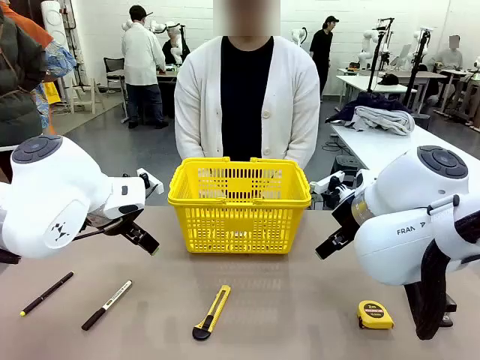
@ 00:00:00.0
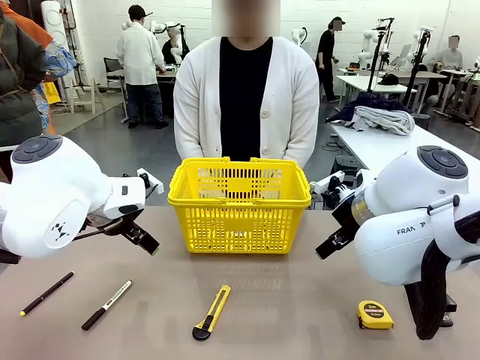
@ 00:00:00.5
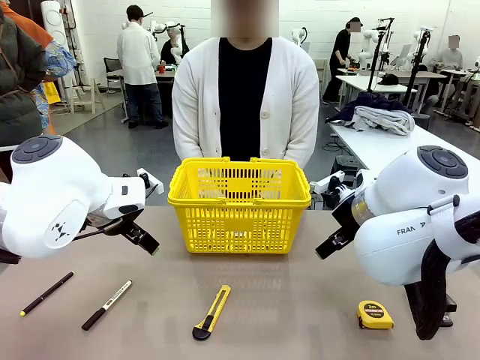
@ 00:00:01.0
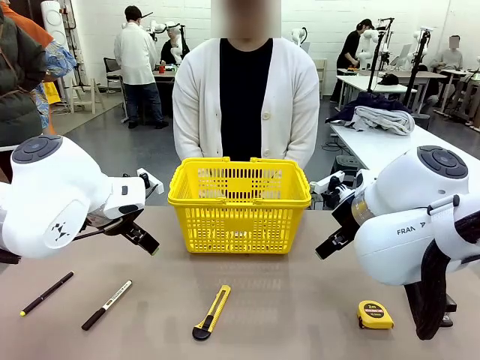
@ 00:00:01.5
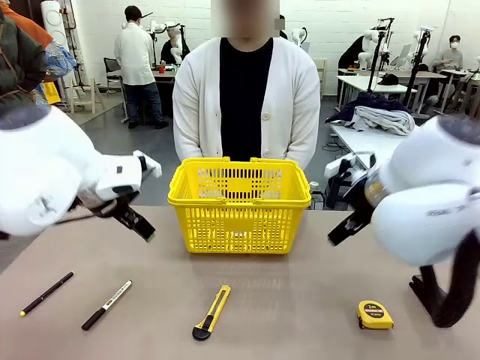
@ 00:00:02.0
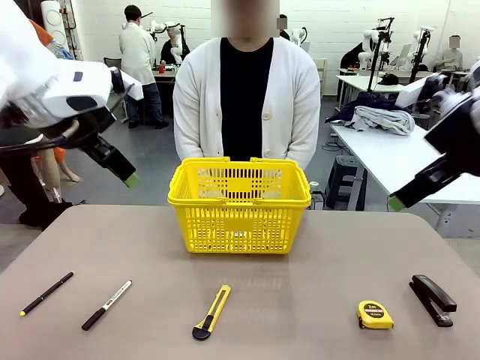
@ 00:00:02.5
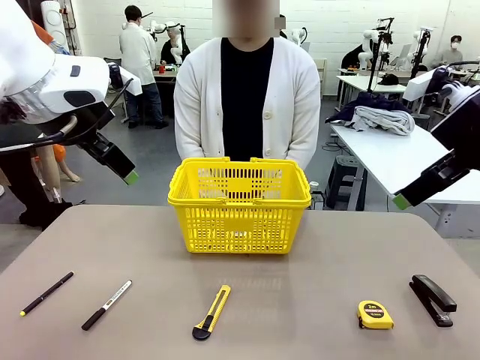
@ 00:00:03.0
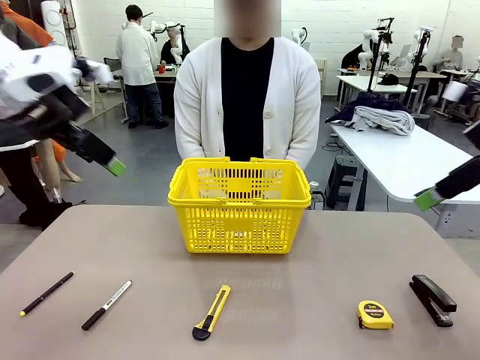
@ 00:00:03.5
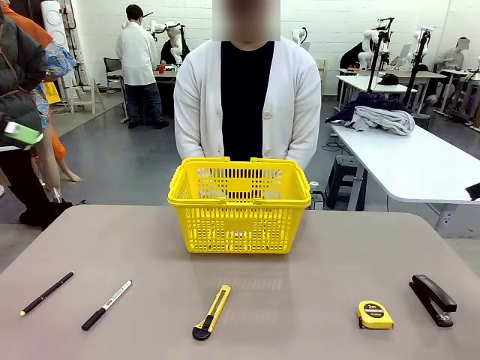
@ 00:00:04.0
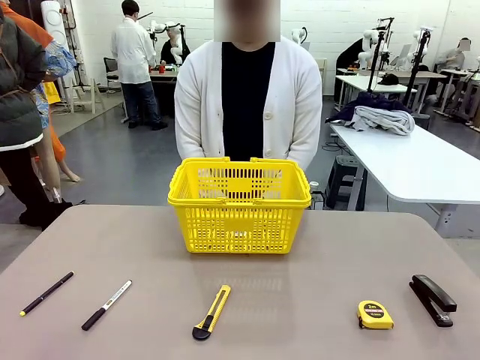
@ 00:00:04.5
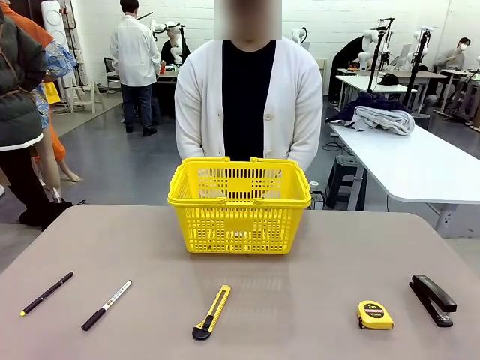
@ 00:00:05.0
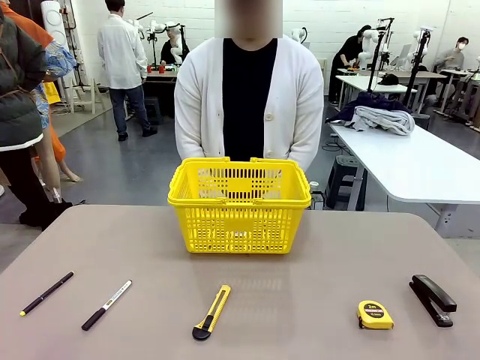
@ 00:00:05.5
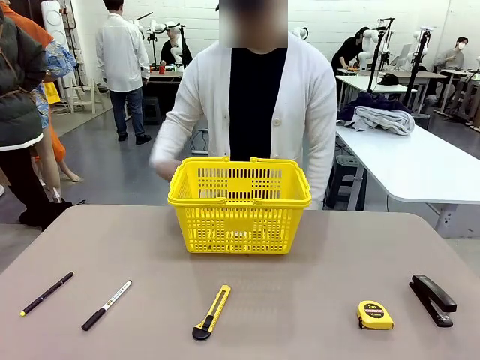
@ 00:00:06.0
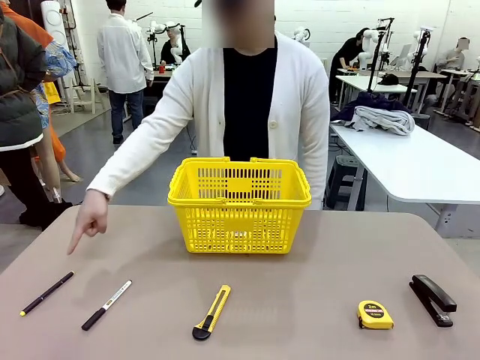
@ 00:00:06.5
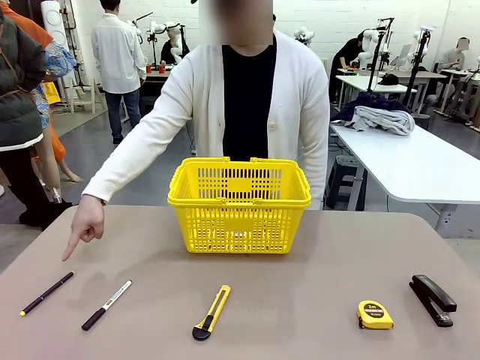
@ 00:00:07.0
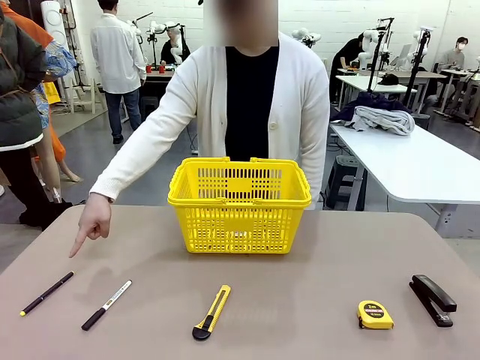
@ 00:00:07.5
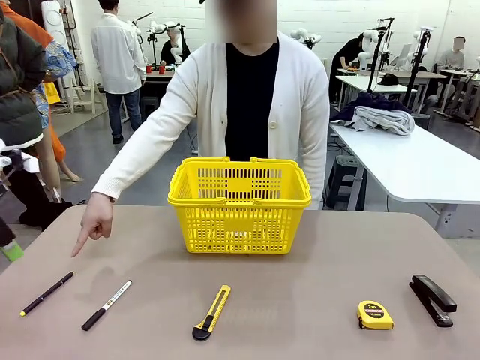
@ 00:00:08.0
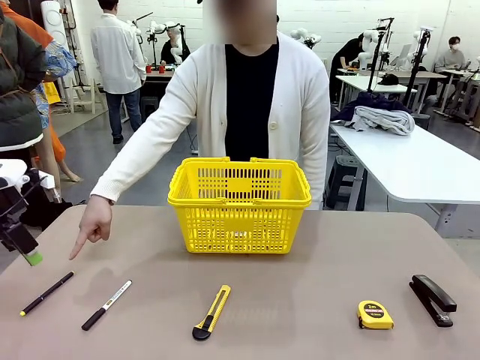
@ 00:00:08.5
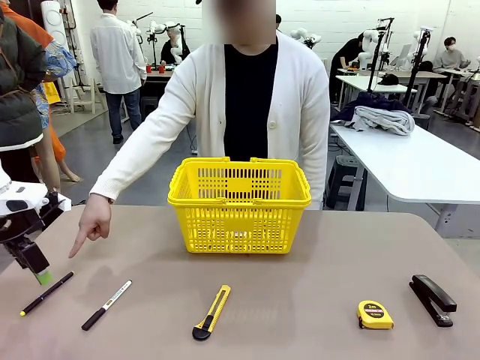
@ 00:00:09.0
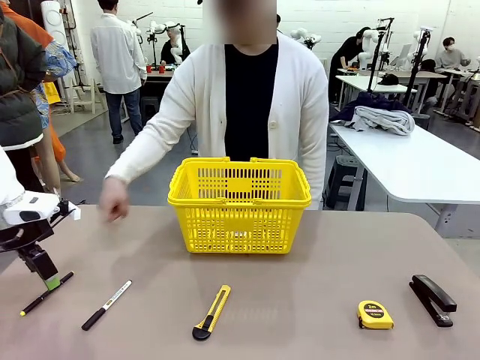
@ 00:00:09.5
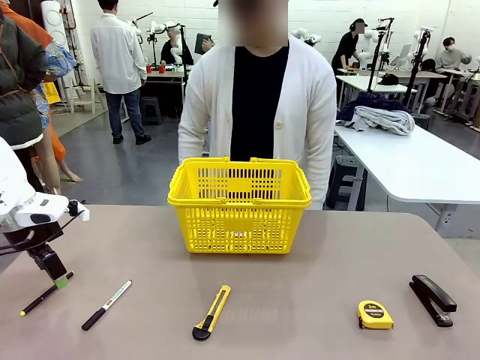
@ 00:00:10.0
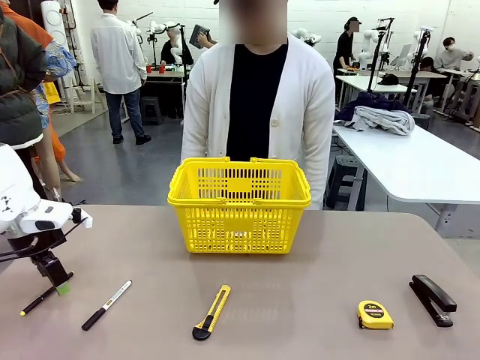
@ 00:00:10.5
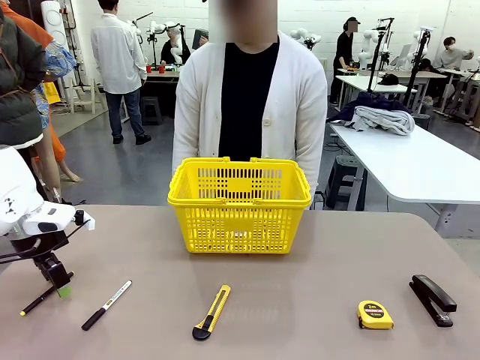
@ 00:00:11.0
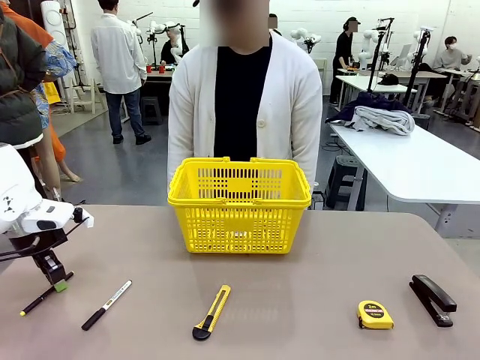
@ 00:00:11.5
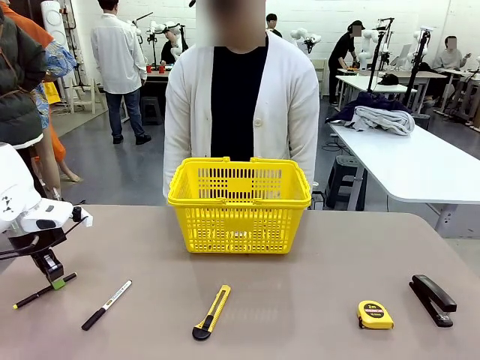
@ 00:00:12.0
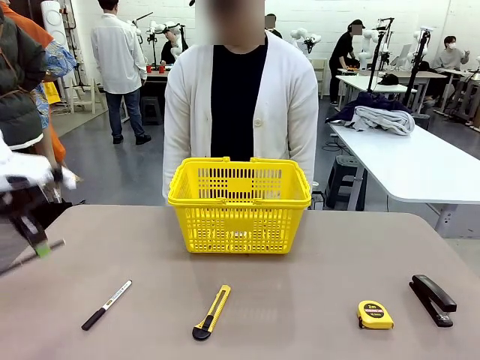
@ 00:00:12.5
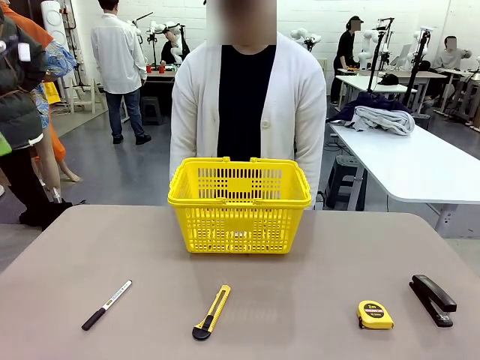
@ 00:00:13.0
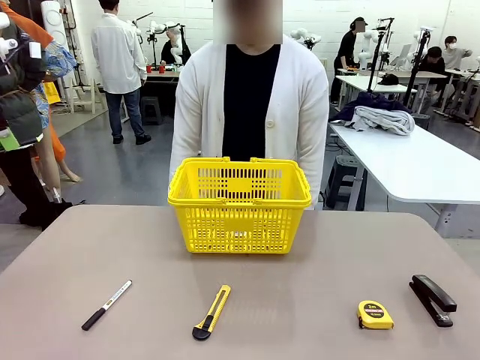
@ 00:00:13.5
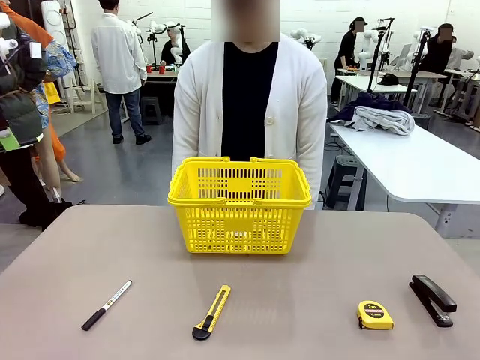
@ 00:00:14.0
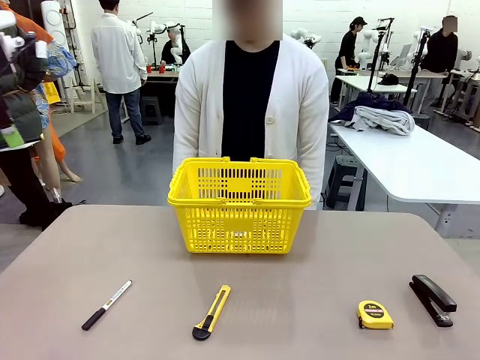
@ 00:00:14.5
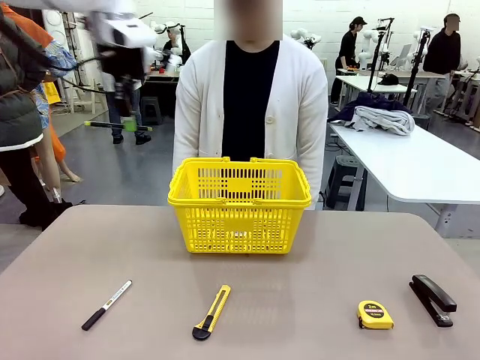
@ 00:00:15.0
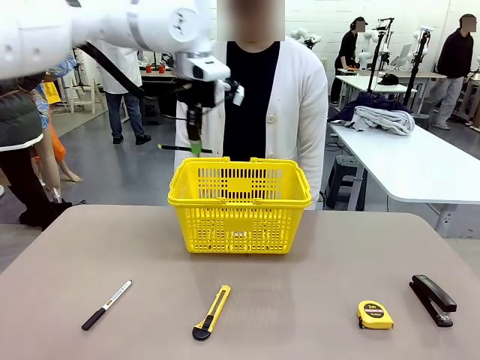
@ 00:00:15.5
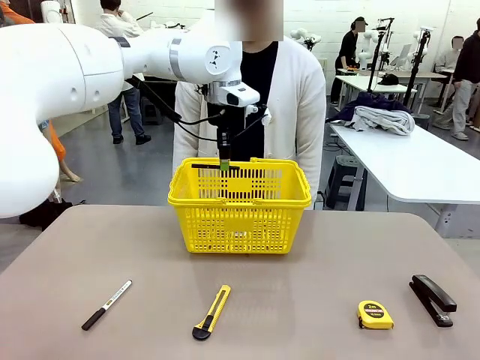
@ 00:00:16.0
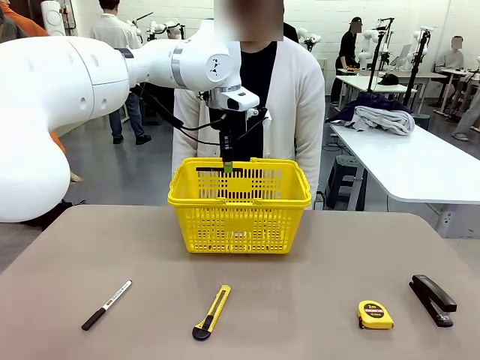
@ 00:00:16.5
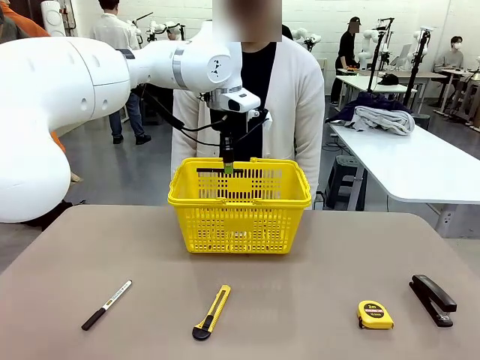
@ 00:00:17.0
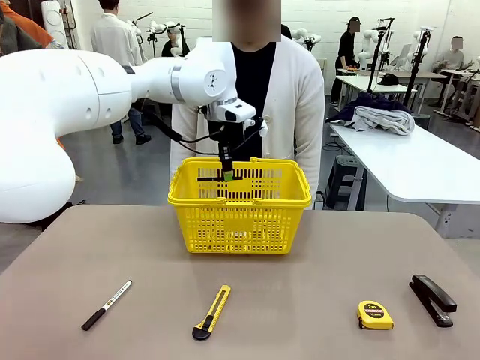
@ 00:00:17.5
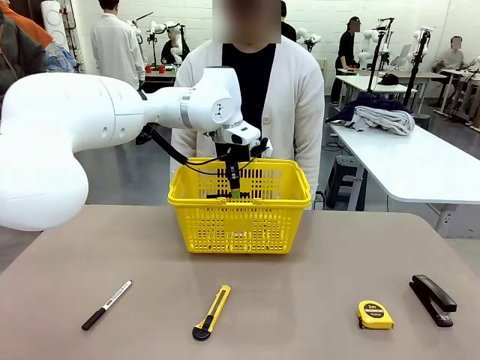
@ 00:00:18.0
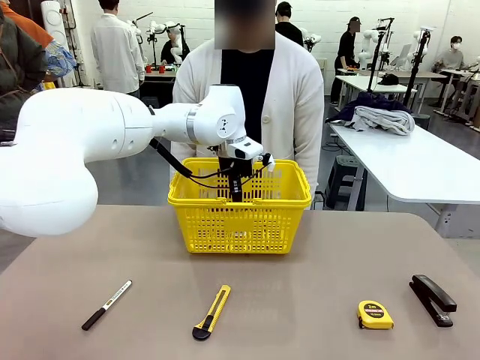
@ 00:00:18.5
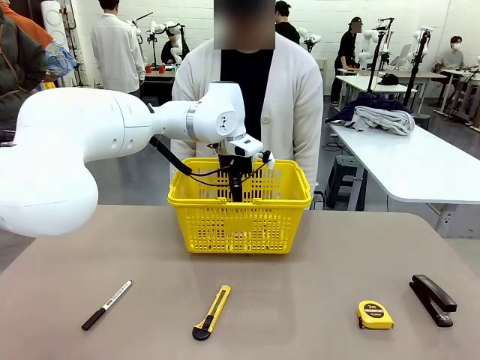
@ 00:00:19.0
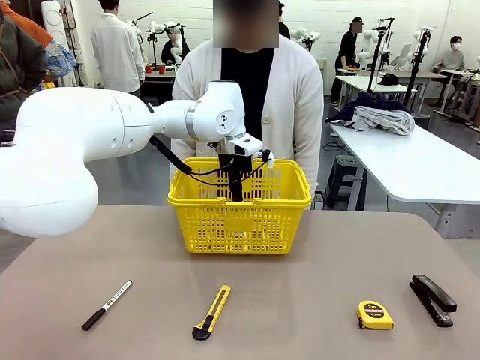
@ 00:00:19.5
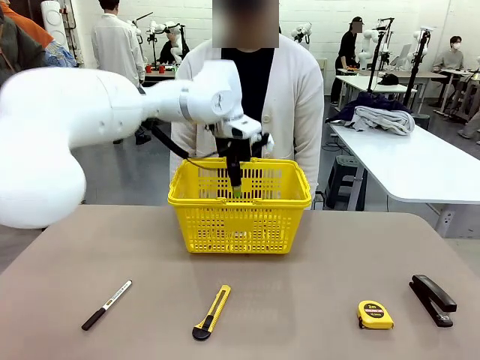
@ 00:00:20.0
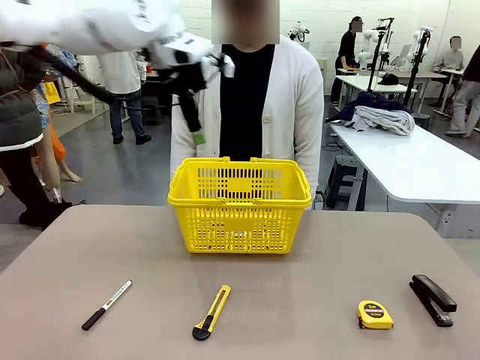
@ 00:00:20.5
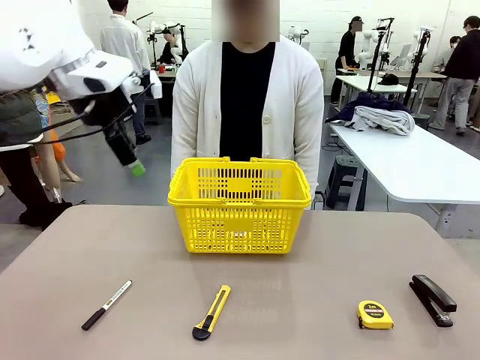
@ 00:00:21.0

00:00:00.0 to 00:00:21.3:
Task: Place the items the person wants into the basket.
Robot: Pick up the item the person points to and place it in the Market Basket.

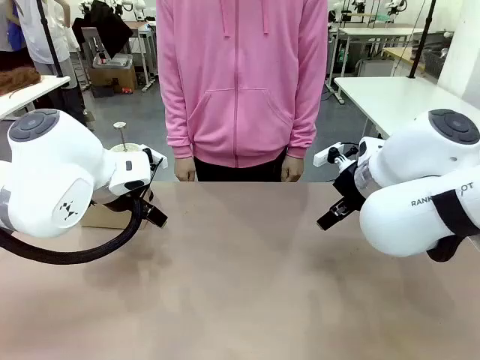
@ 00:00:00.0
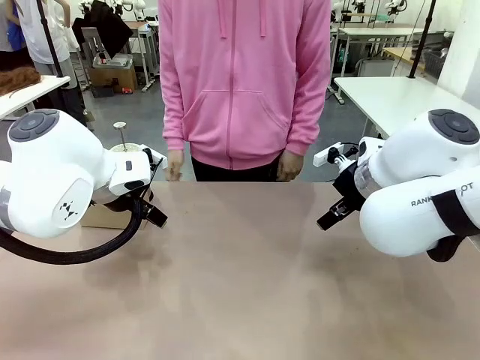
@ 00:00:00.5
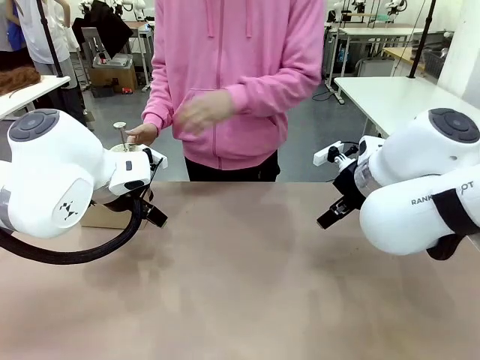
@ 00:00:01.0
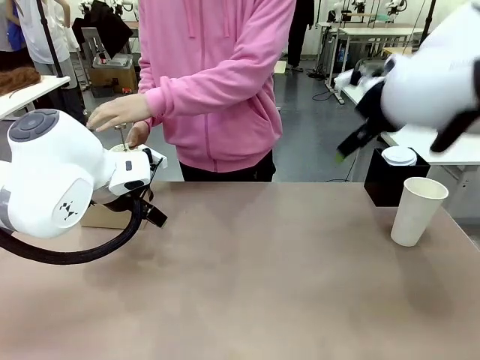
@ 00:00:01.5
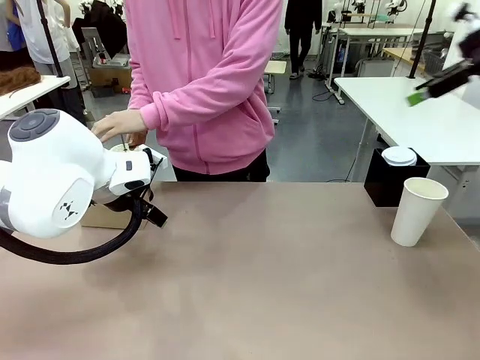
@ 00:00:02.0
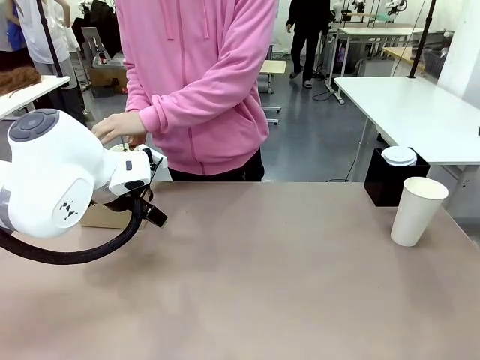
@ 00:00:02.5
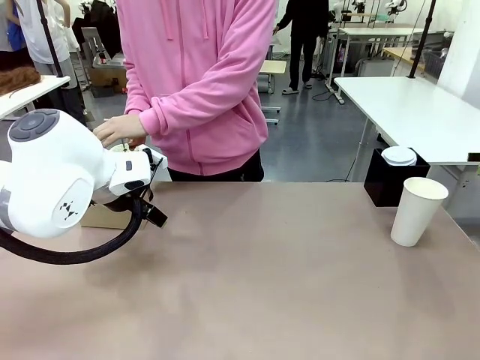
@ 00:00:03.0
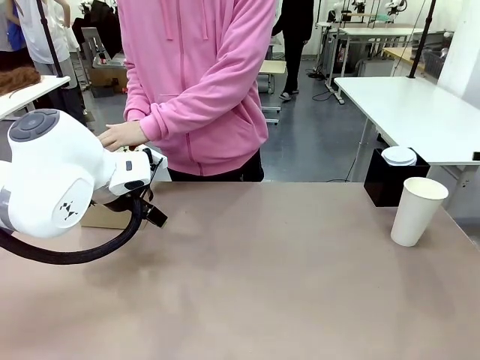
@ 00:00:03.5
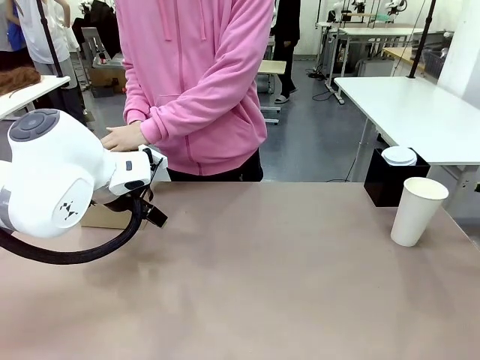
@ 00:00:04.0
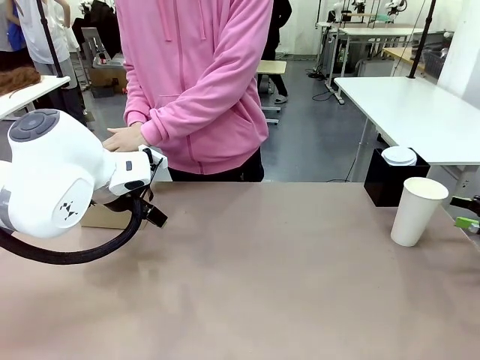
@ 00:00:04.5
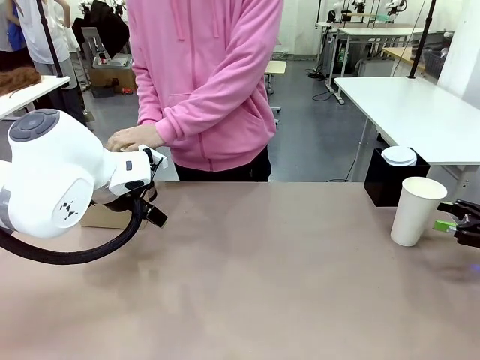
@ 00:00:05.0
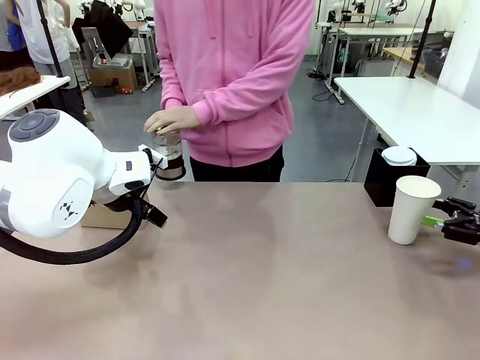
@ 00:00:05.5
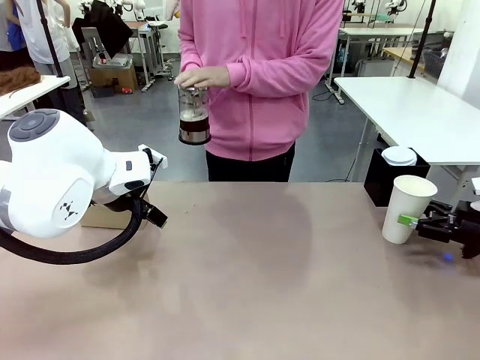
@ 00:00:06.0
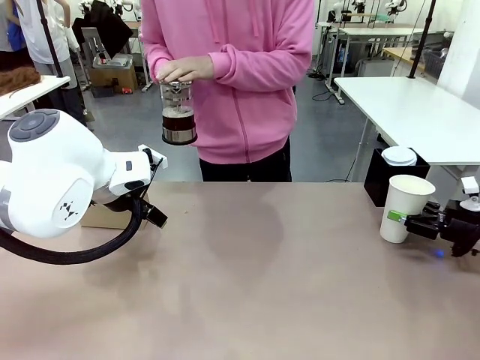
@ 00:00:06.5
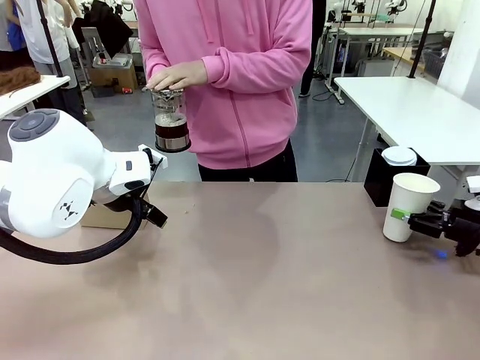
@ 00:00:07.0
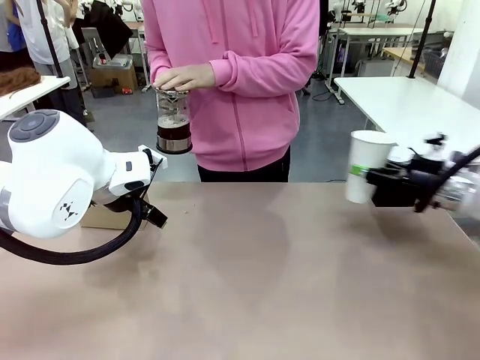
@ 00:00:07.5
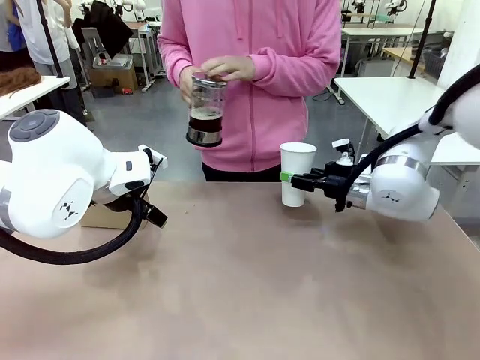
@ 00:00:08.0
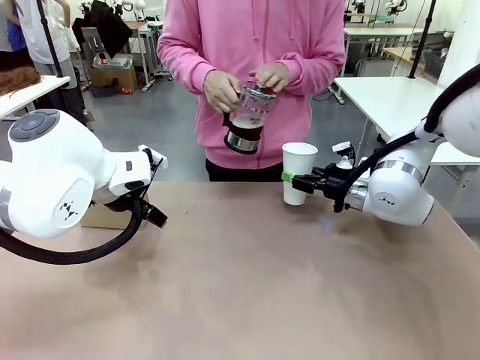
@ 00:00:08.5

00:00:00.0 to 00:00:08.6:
Task: Pour a drink into a cup and package it in a carrier.
Robot: Pick up the 600 ml Paper Cup and place it in the middle top area of the table.
Person: Press and pick up the Filter Brewing.
